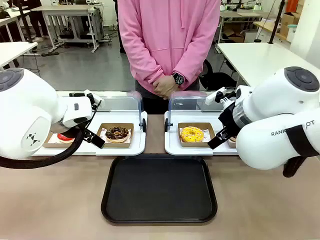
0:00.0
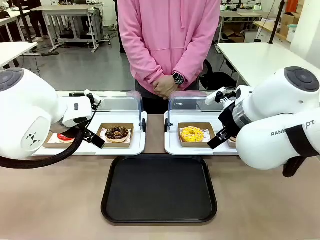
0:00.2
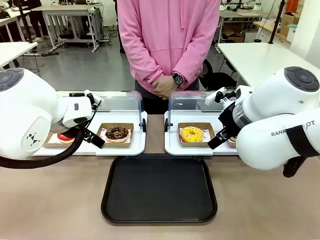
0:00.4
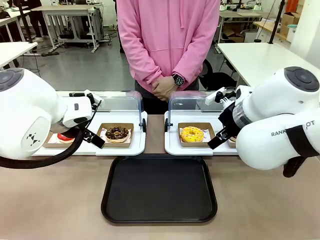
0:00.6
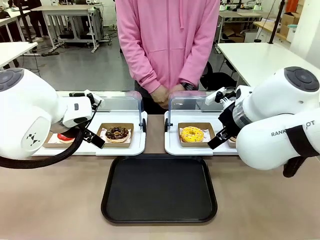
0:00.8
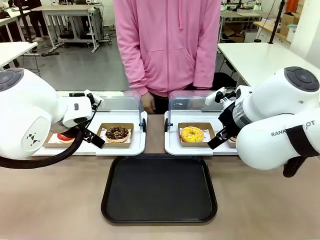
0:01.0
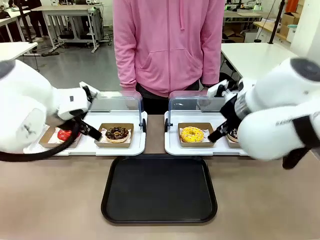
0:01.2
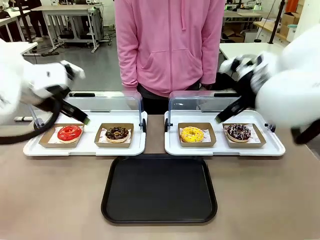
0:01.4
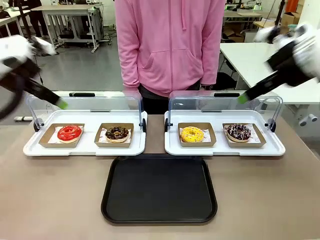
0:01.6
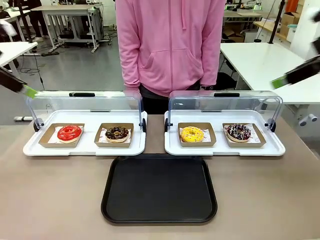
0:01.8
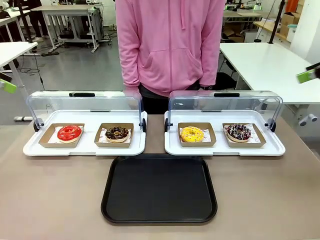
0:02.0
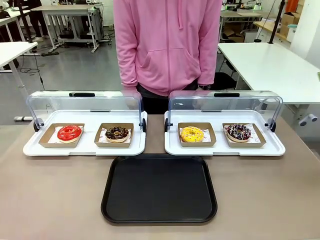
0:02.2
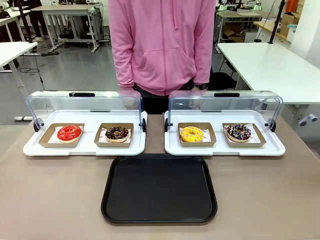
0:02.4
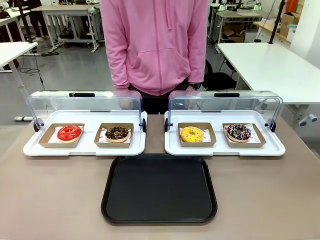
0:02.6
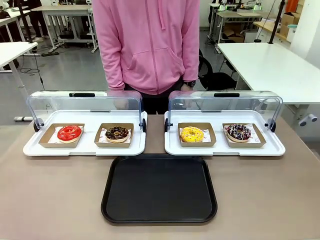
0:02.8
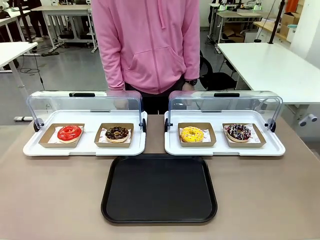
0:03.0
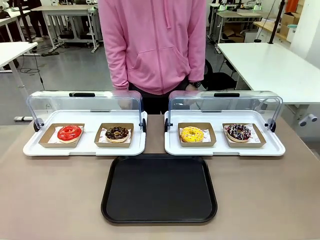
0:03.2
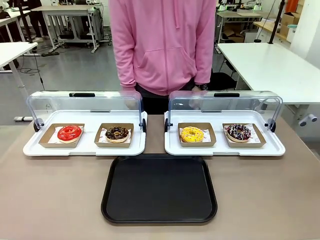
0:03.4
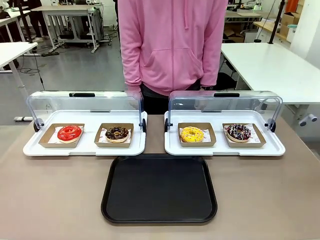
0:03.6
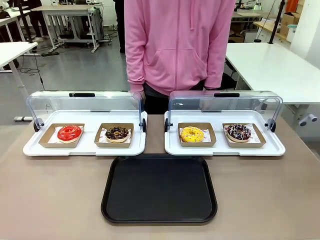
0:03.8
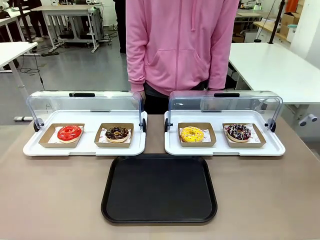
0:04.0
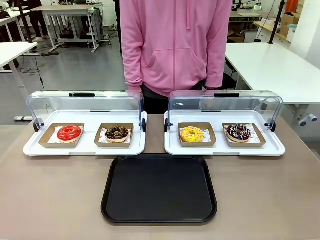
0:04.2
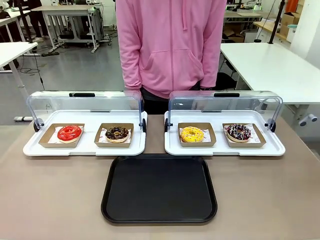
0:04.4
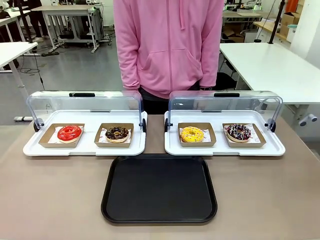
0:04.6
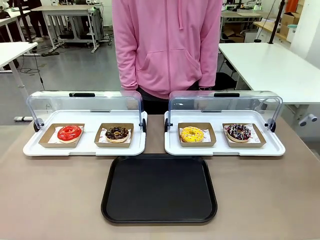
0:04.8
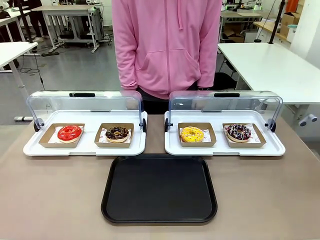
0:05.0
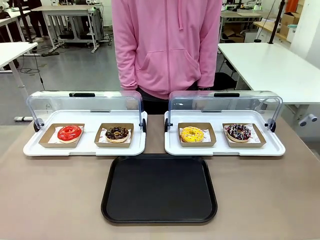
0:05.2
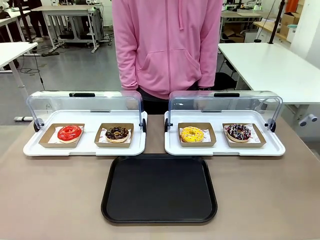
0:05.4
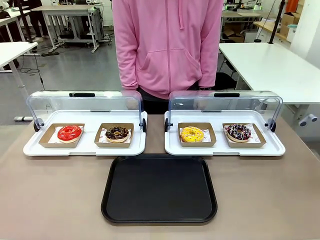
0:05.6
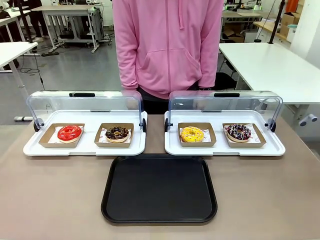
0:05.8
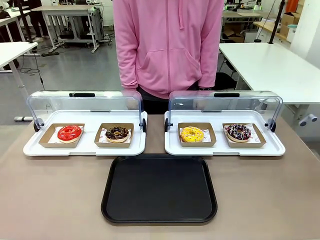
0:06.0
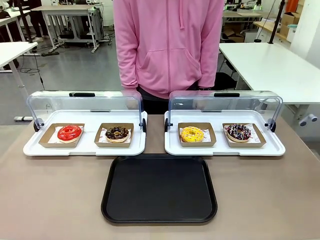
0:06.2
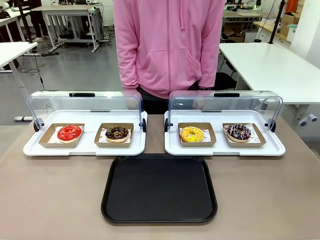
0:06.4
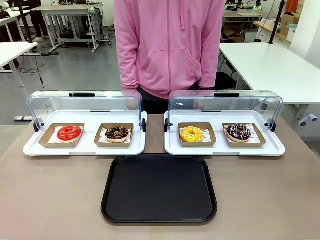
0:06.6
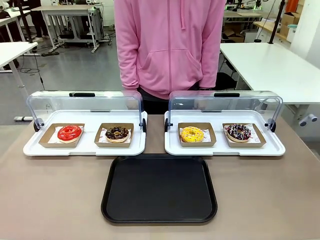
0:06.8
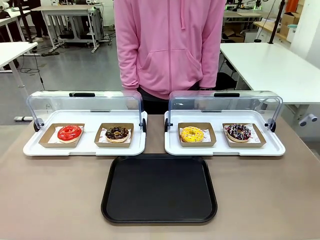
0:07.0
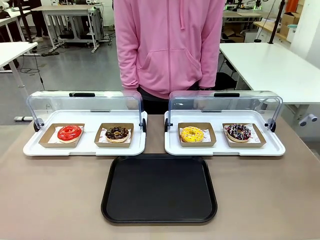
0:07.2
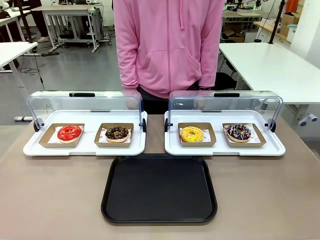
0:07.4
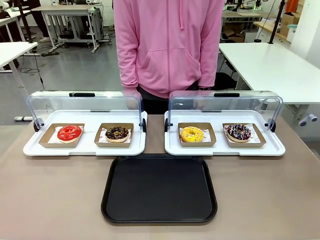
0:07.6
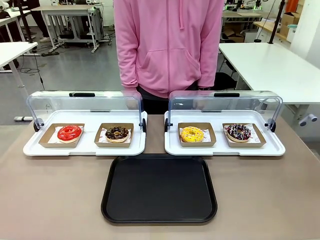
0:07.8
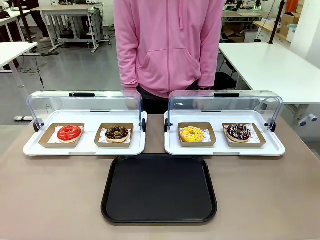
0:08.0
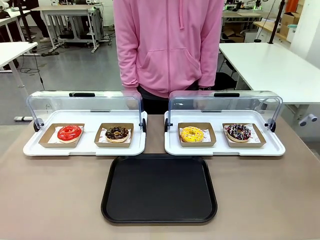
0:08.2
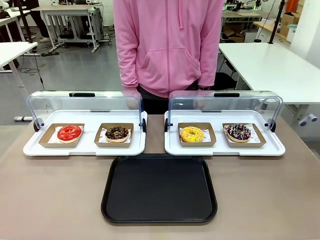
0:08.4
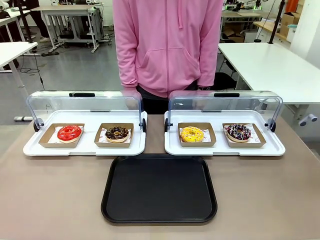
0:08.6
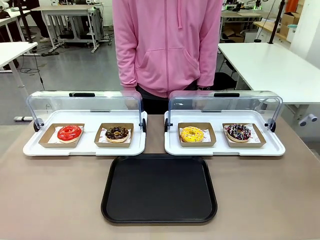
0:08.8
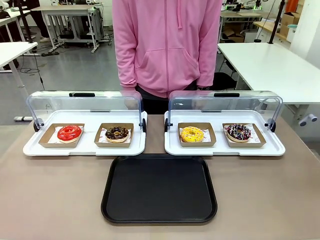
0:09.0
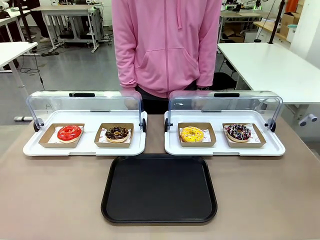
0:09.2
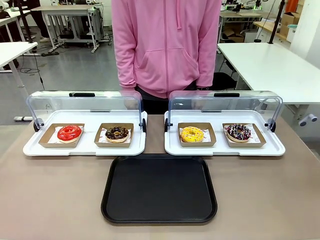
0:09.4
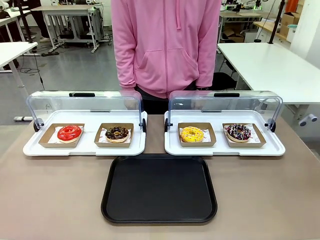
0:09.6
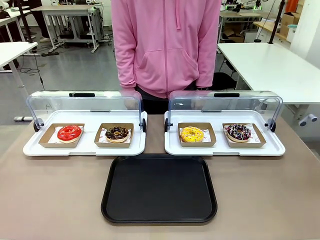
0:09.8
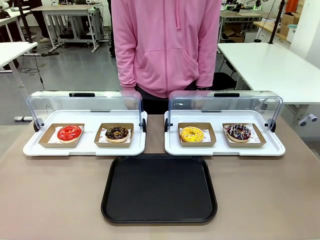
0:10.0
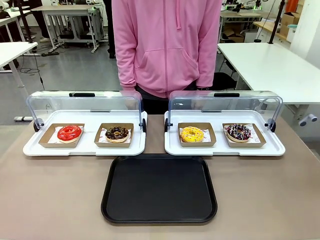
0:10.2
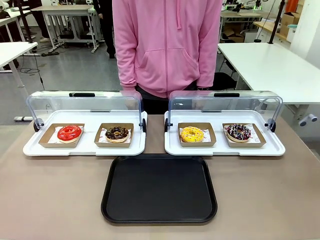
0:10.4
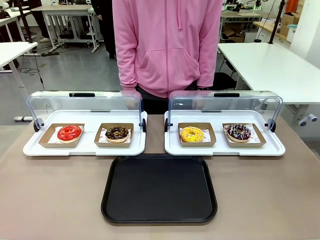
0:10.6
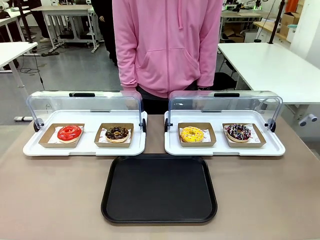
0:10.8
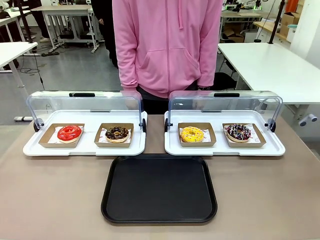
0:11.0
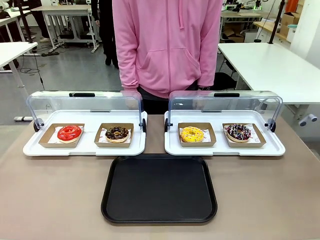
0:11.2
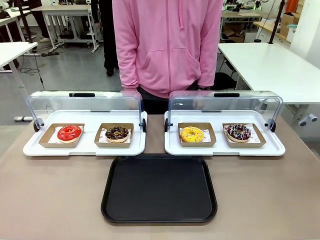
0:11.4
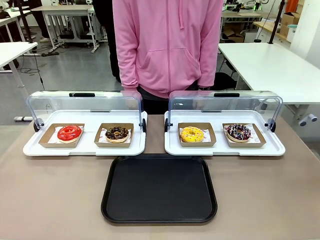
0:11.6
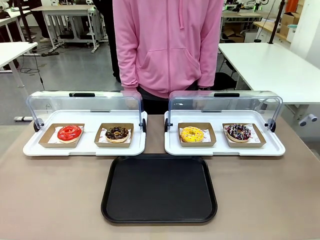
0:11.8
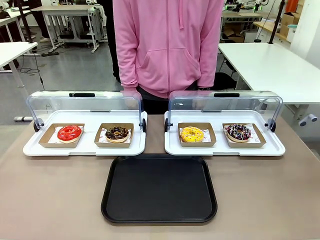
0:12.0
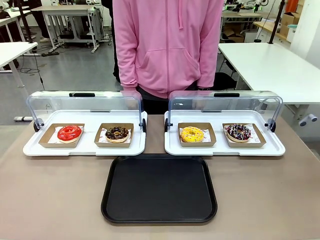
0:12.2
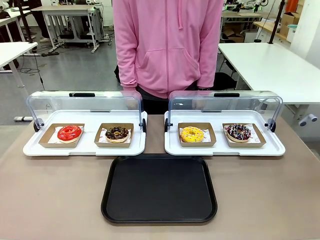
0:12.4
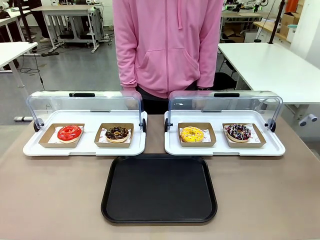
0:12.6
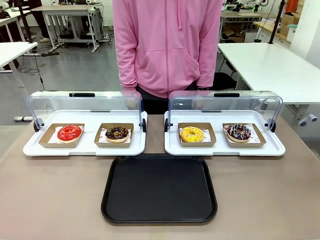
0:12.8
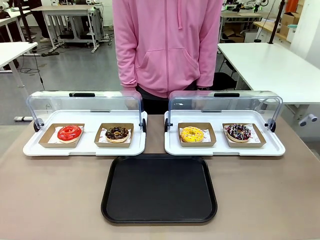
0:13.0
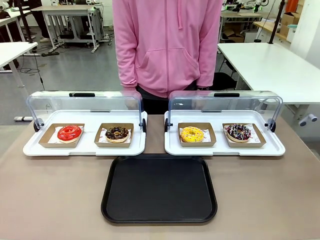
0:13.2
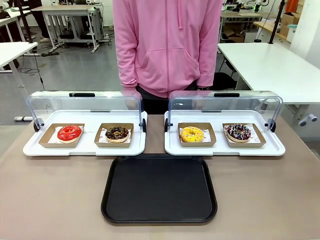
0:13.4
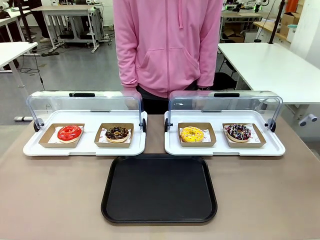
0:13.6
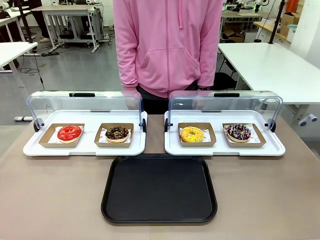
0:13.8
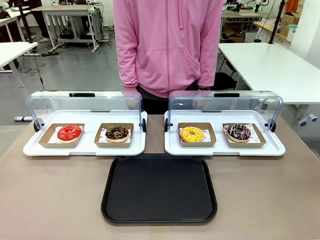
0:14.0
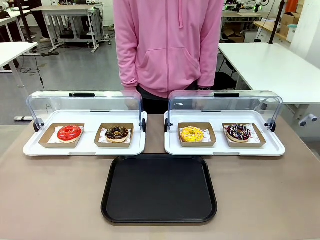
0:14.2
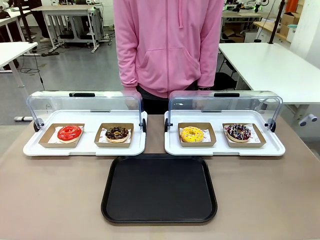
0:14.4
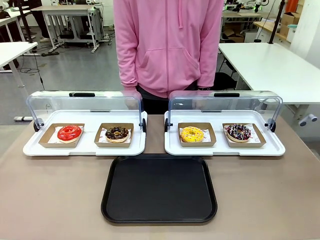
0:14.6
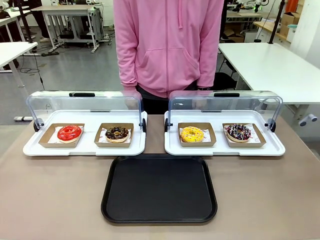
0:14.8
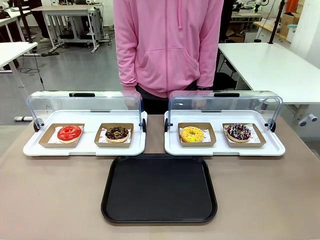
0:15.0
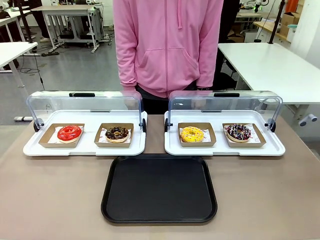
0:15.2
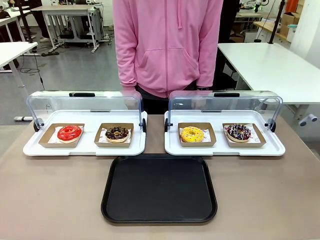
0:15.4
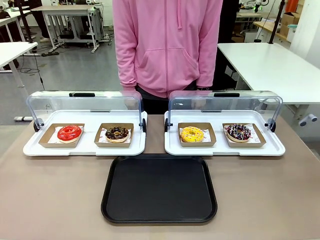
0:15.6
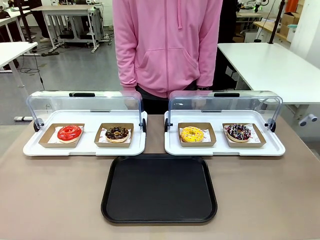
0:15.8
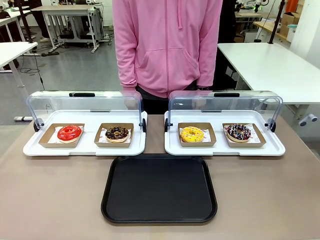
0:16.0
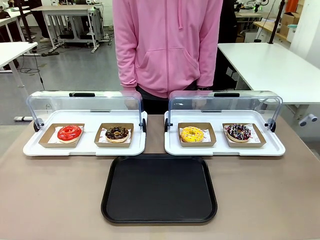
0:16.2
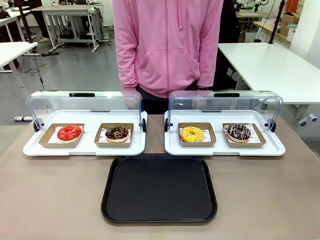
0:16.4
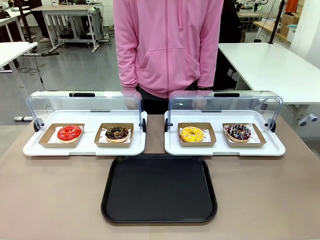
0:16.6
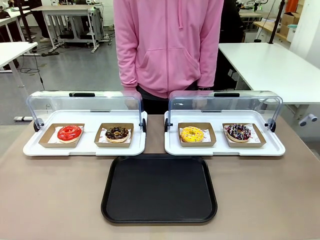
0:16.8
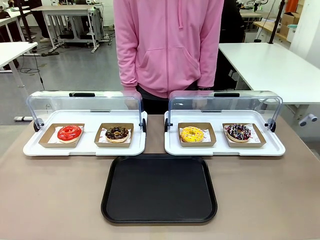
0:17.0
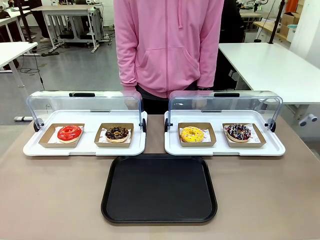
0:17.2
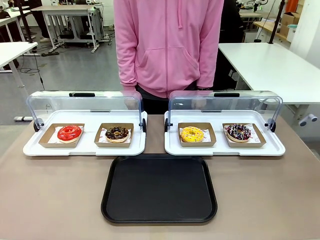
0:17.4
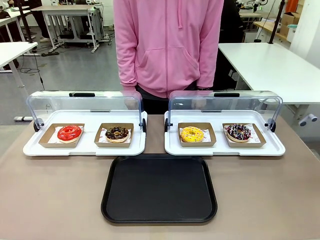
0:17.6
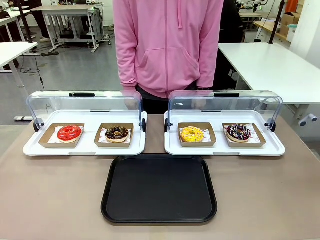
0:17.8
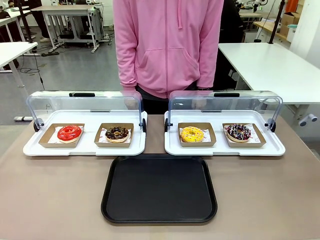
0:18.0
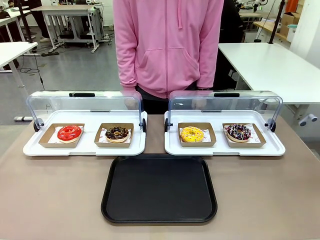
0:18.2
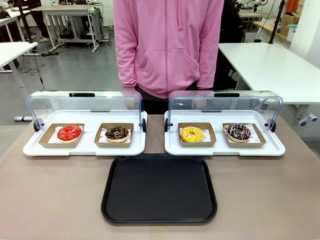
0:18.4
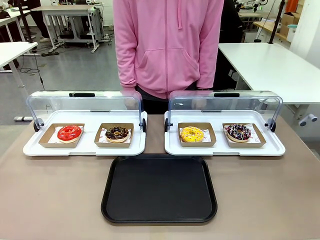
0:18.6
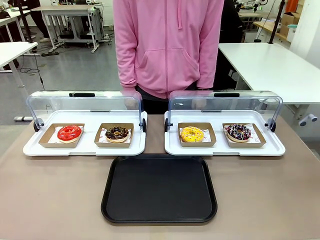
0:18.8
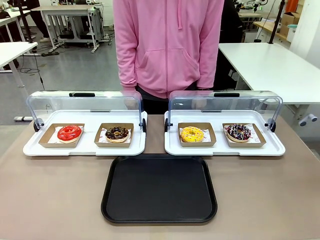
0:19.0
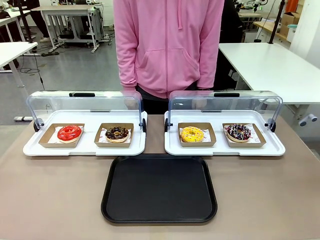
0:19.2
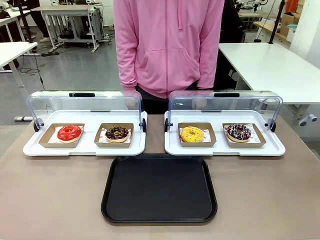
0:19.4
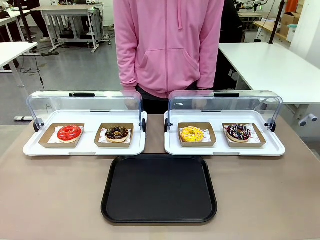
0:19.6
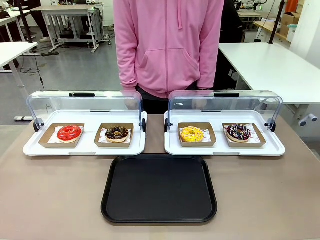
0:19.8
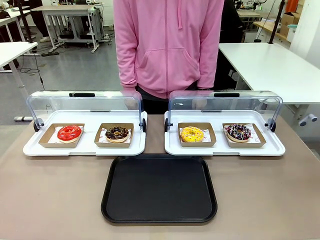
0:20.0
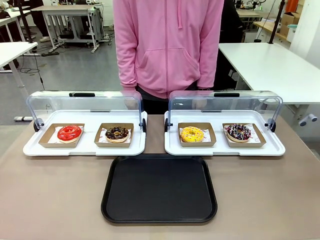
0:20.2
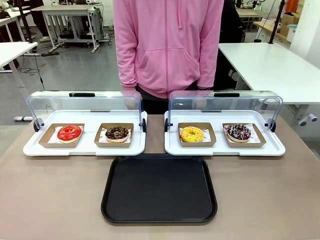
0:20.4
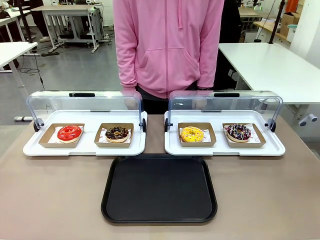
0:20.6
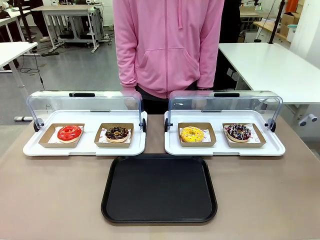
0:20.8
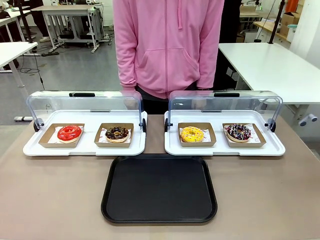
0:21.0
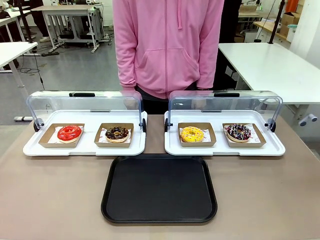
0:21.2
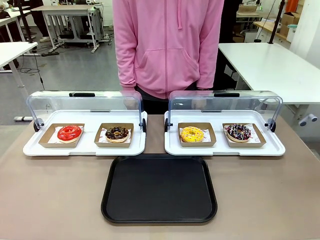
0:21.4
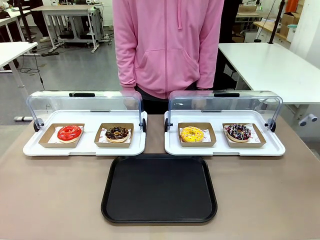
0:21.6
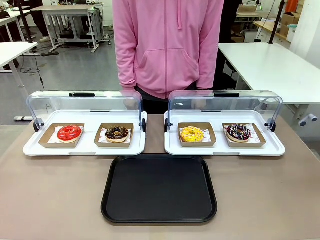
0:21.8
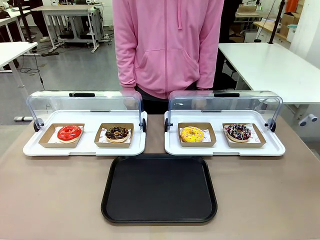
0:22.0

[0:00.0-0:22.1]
Task: Move the fourth donut from the left to the tray.
Robot: Pick up the Paper togo box containing the Donut indicated by the person and place it on the Handle tray.
